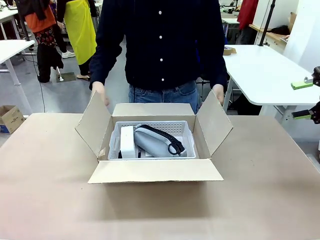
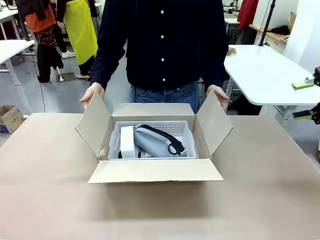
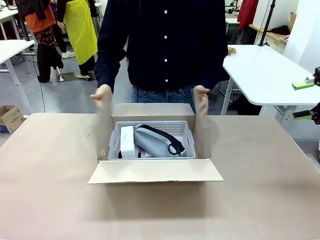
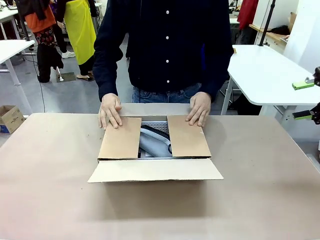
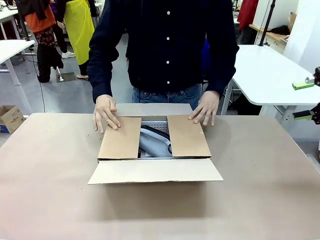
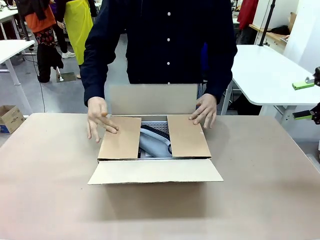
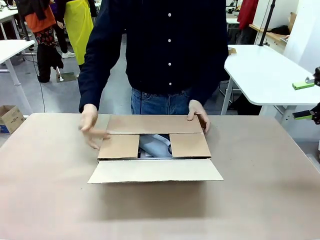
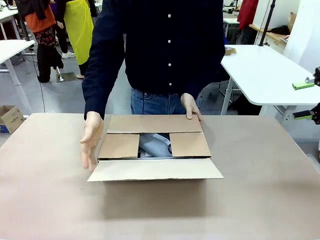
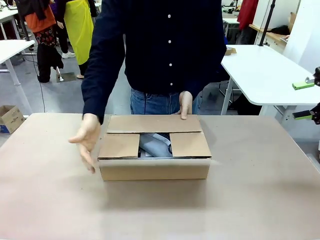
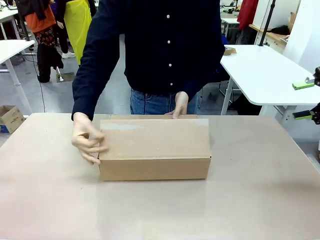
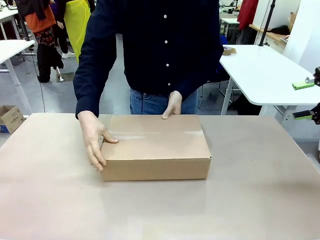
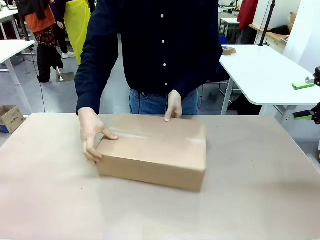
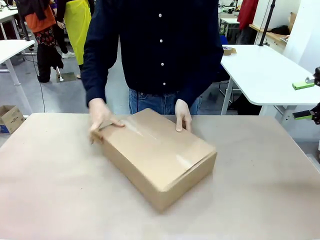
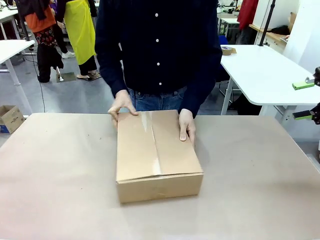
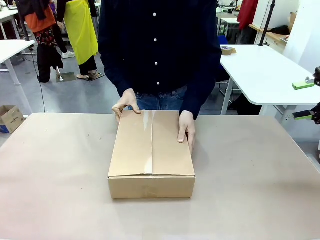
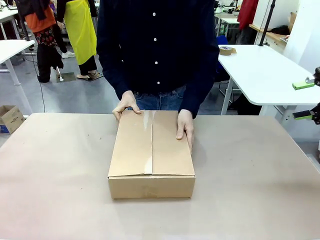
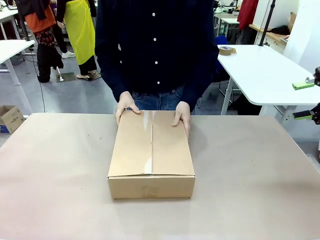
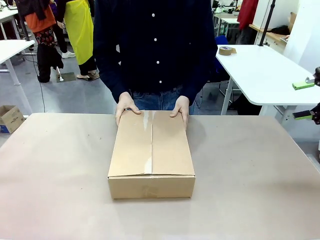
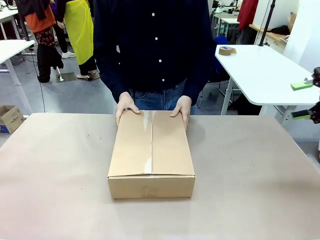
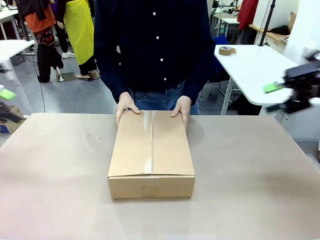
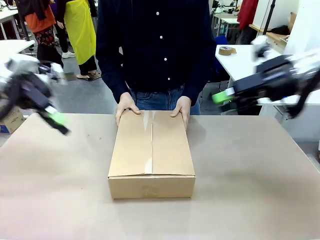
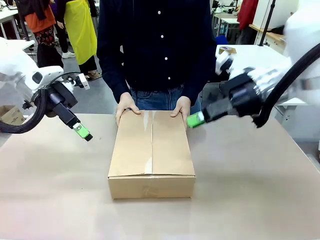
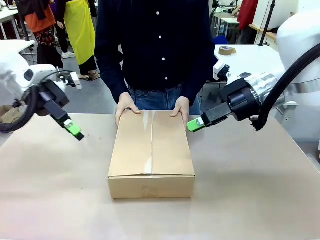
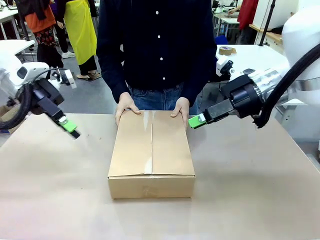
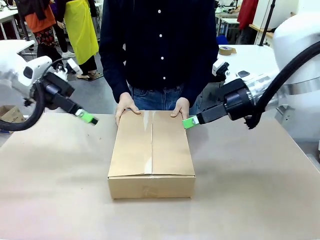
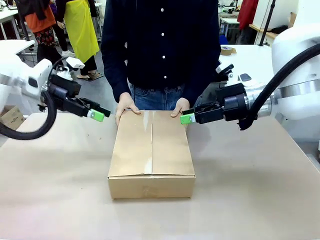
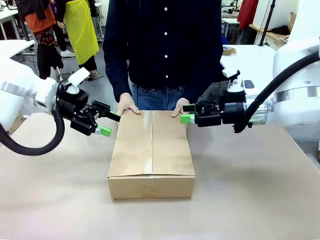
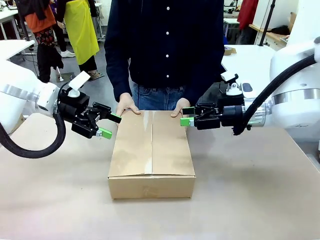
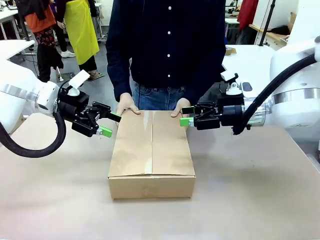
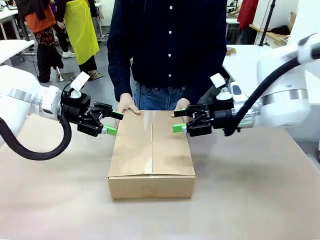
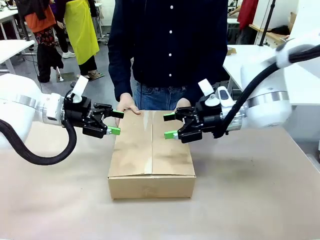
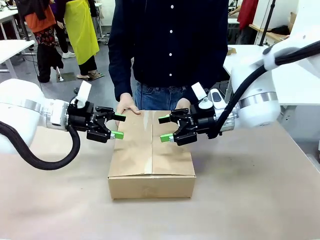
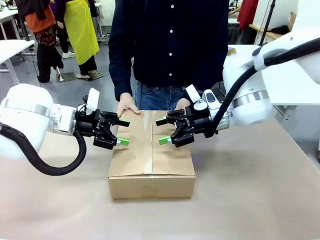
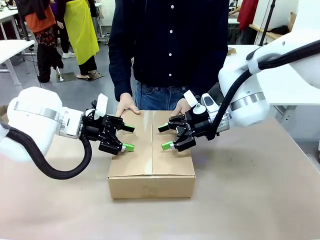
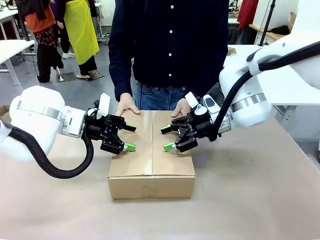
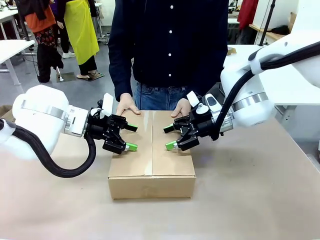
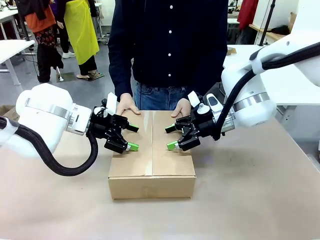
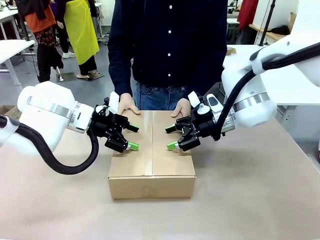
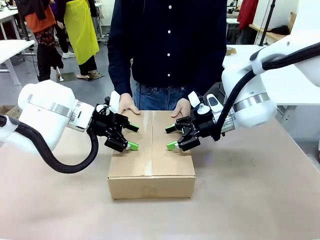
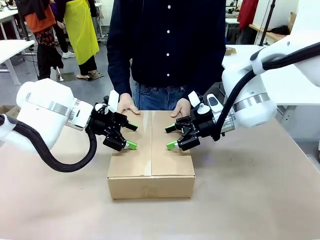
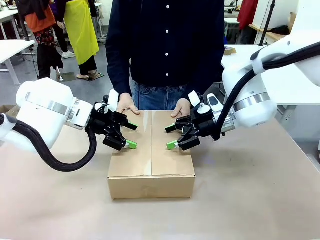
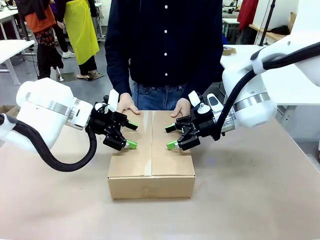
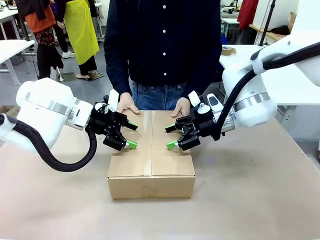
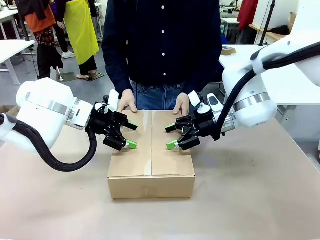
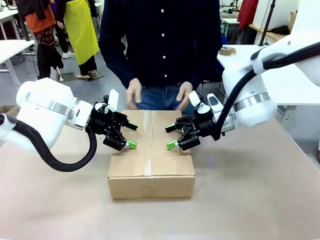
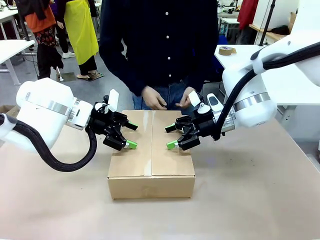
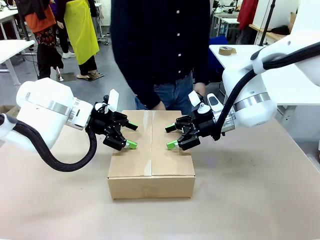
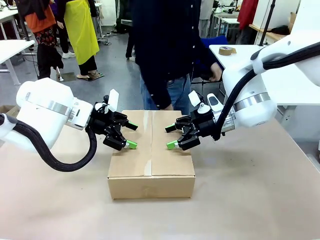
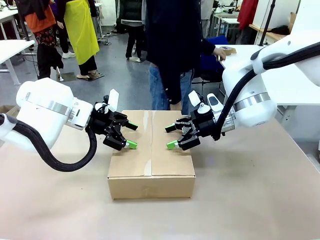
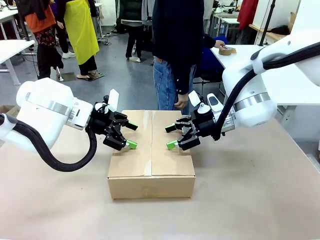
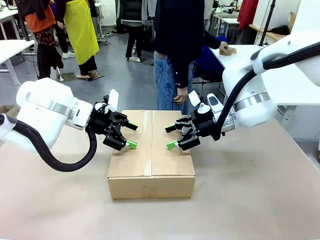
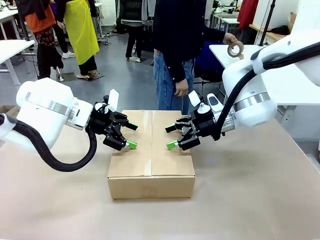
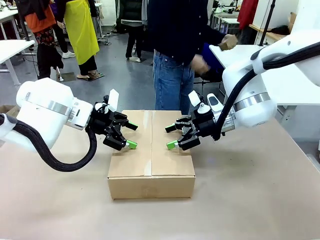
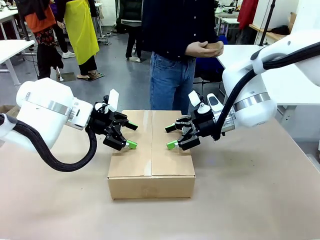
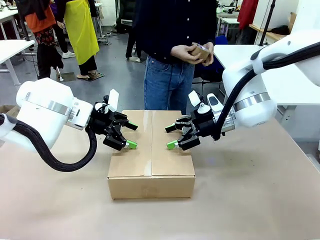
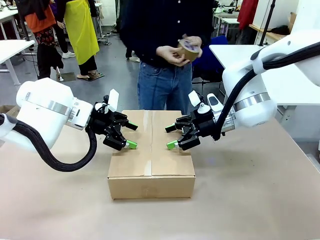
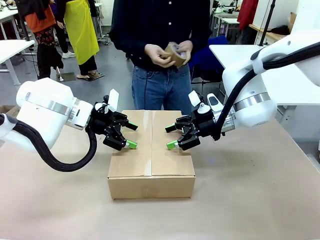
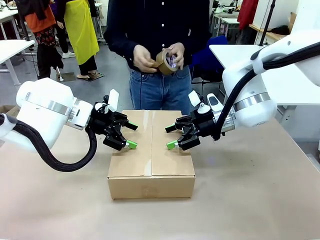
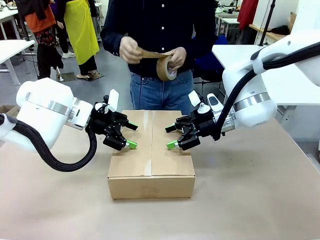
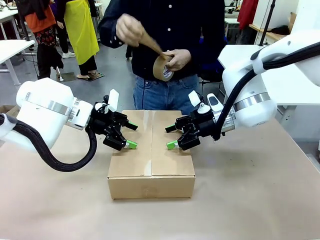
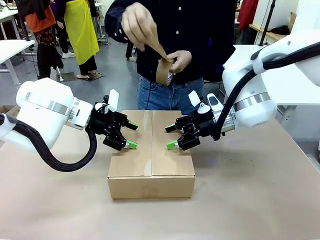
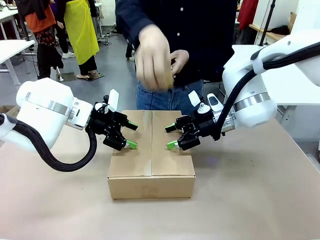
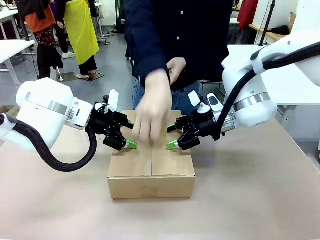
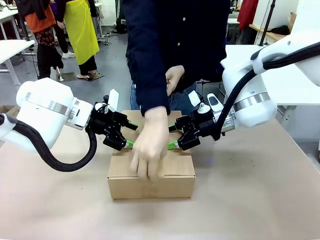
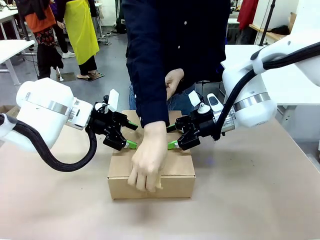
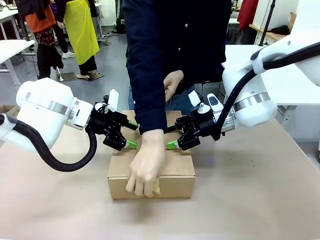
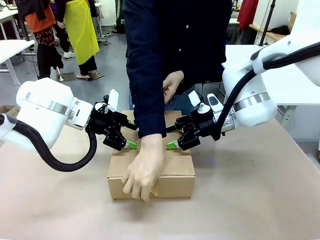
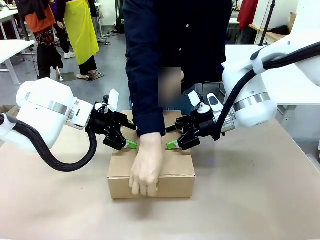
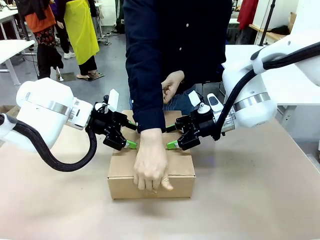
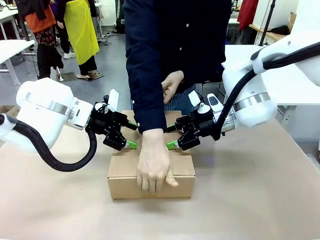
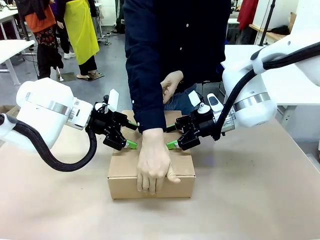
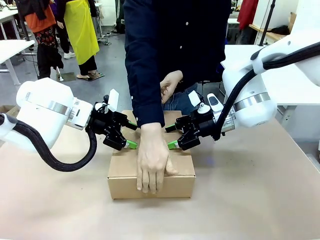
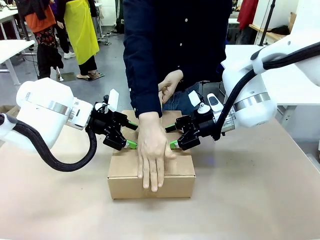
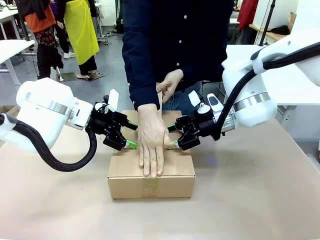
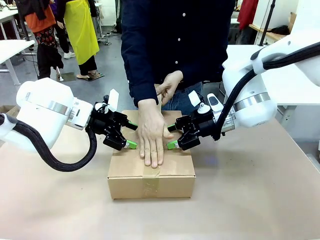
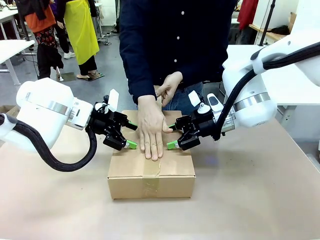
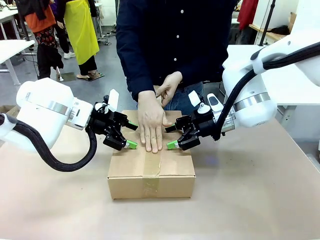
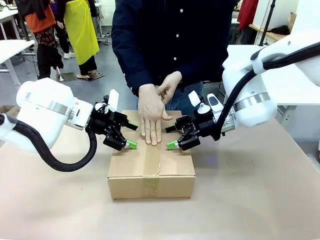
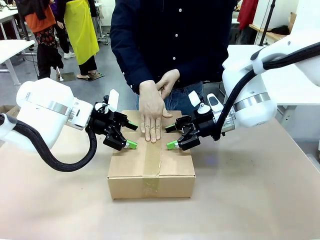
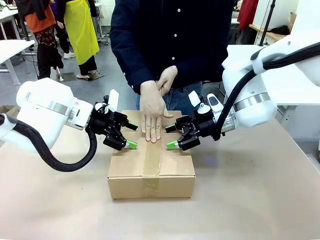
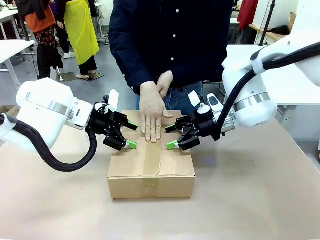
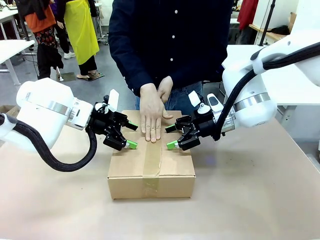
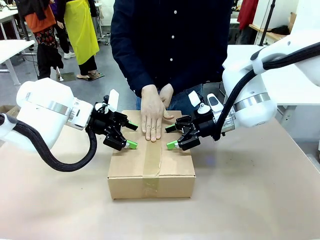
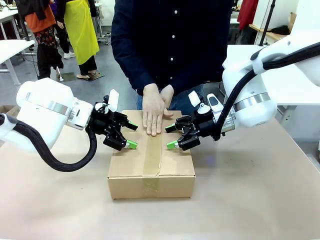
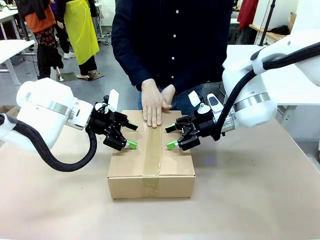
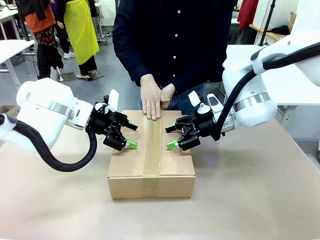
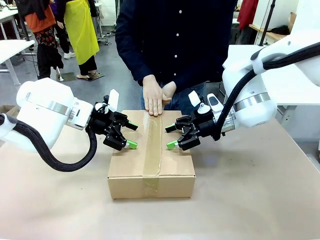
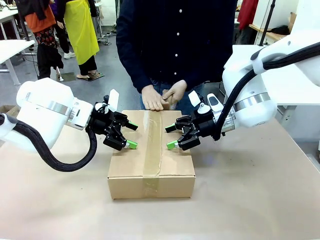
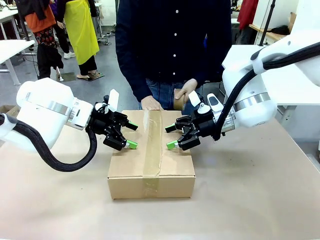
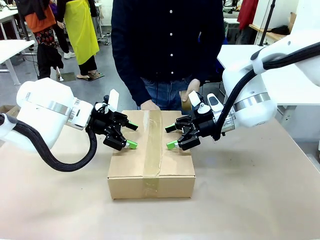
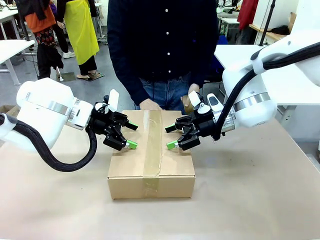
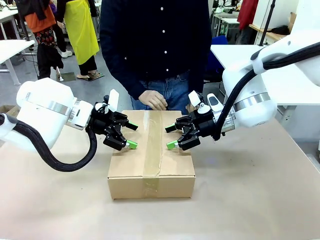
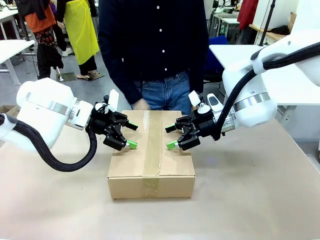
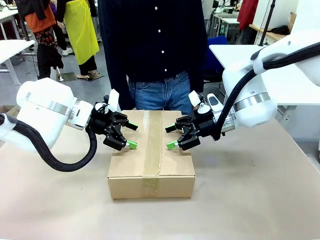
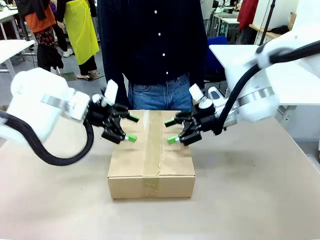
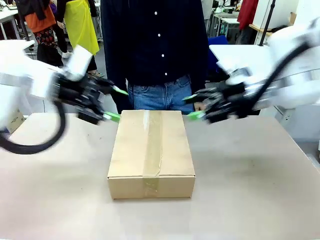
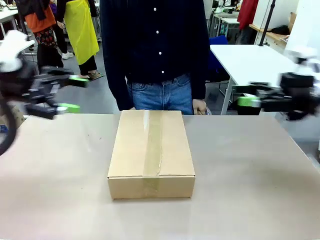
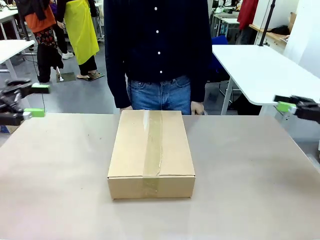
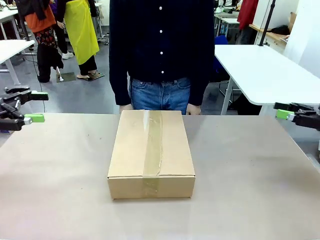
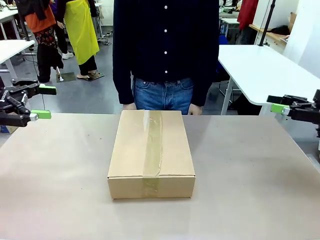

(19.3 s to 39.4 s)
Task: Pack the gift set into the box.
Robot: Press and hold the closed box until the human finishes sealing it.
Person: The human closes the box and rotates the box by 90 degrees. The human picks up the paper tape from the human table and packs the box.
